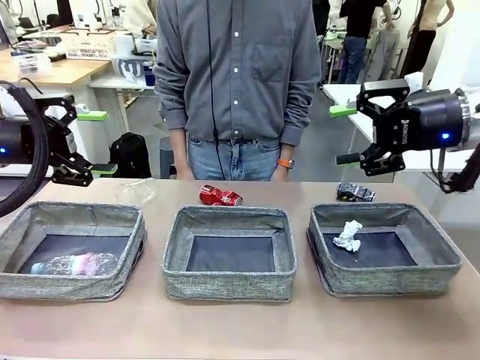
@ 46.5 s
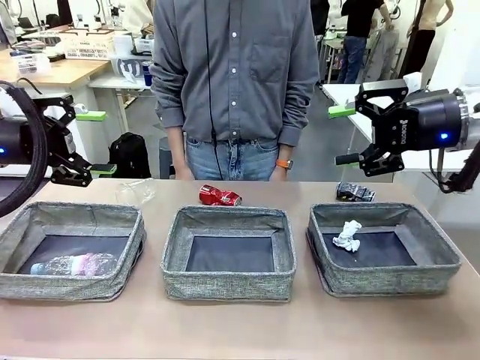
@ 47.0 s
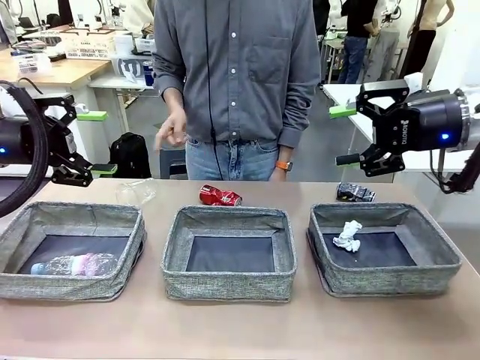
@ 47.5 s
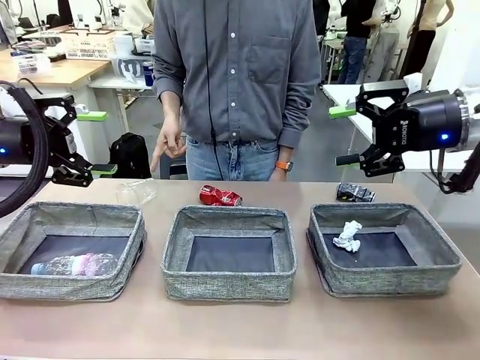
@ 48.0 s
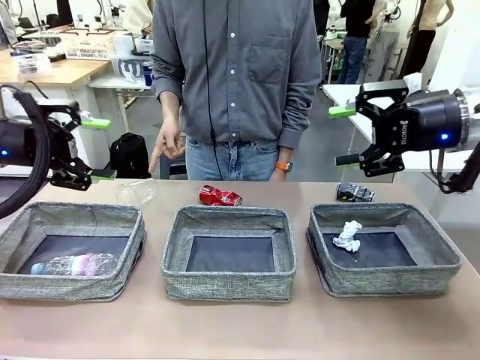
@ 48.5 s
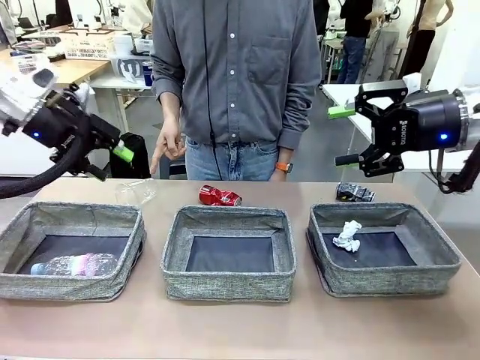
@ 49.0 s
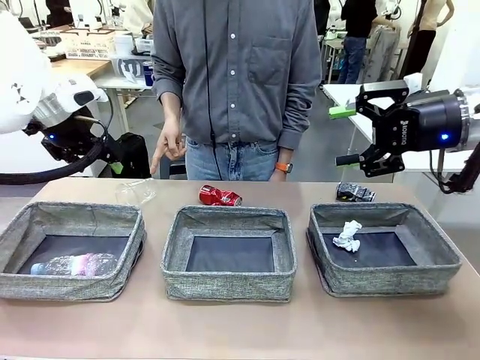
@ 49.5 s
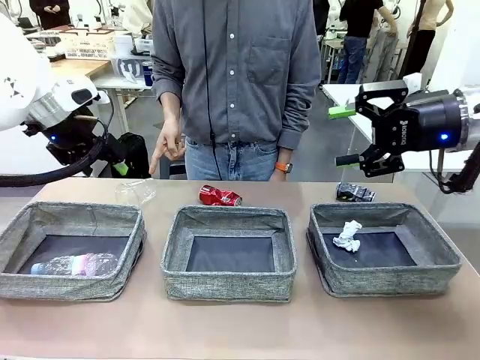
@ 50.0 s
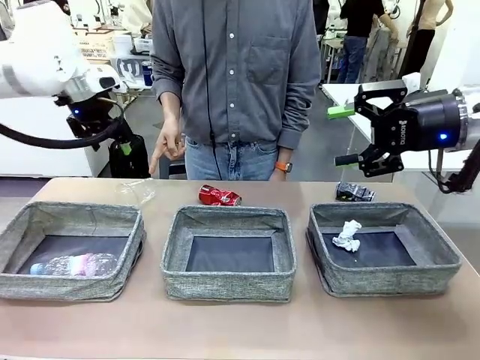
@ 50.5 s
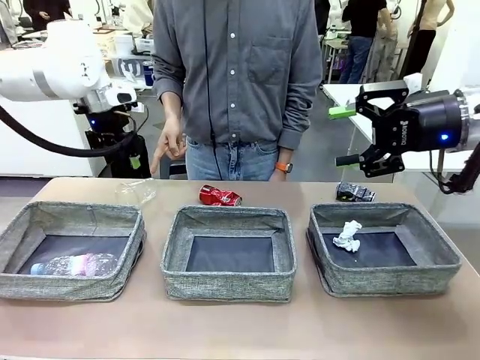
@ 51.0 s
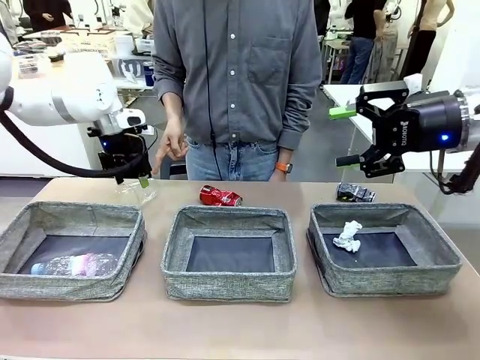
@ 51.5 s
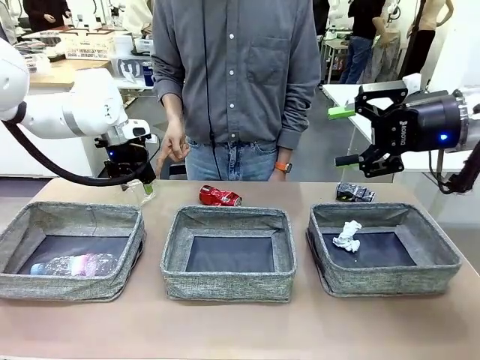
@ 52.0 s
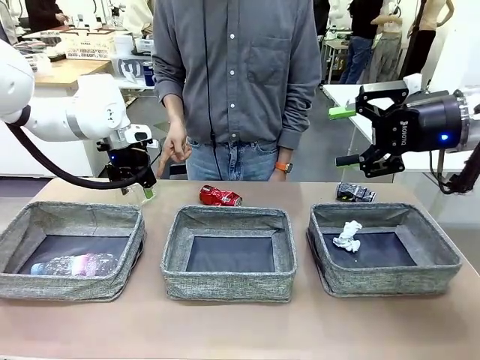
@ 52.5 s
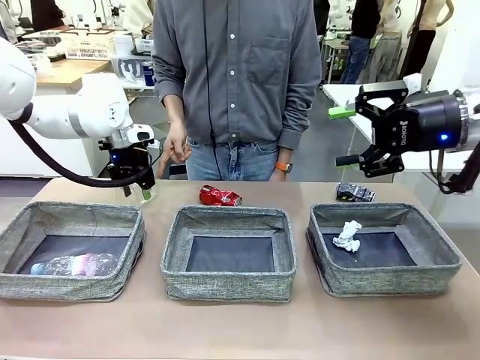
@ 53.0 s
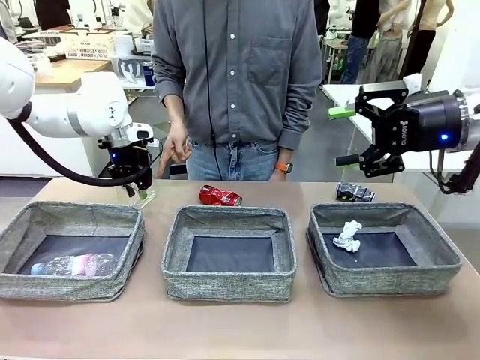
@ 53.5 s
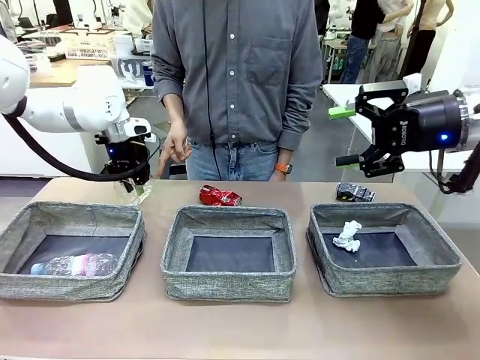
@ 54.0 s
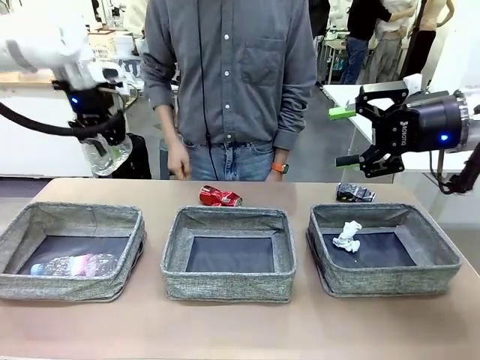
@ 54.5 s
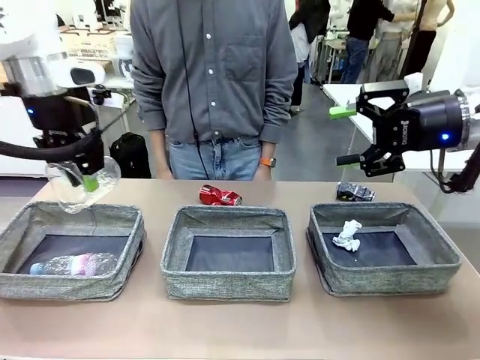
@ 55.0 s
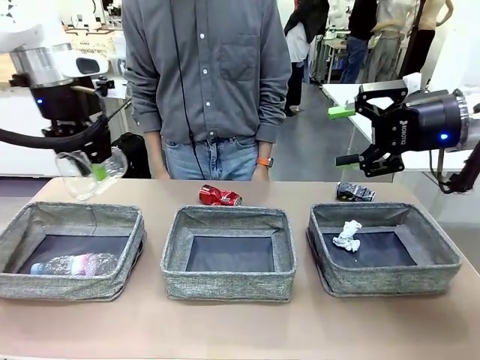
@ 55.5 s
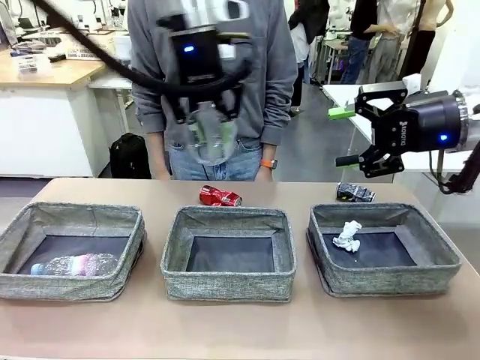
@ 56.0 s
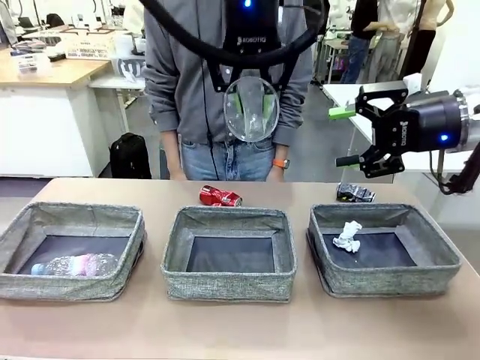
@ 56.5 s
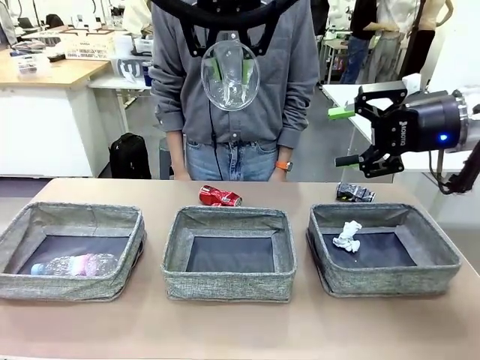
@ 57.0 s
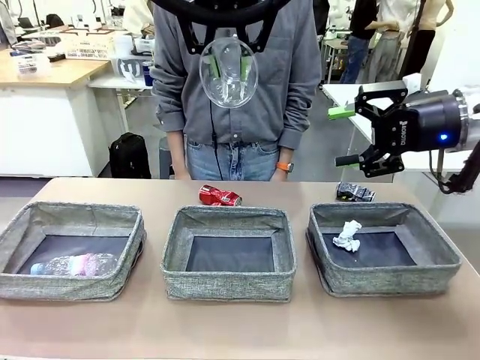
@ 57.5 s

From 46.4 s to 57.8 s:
Task: Sort the waste into the appropriate baskets.
Robot: Pick up the waste item pointed out by the person.
Person: Points to one piece of trash on the table.

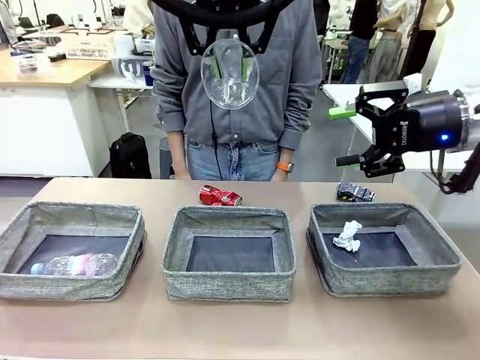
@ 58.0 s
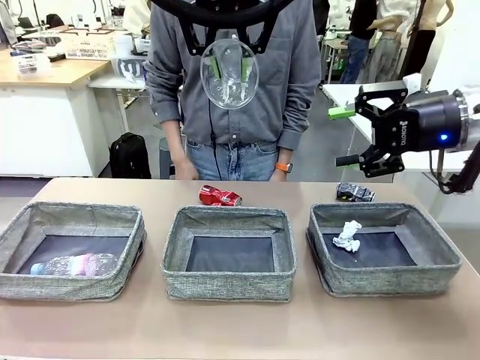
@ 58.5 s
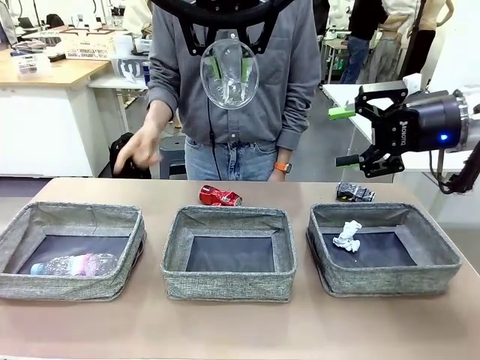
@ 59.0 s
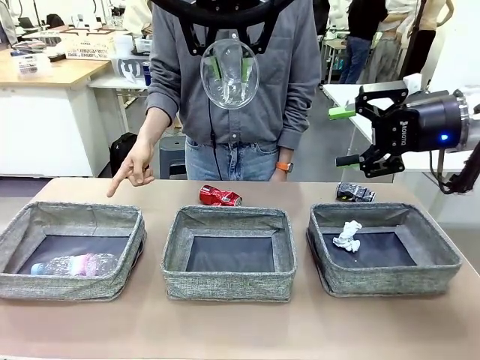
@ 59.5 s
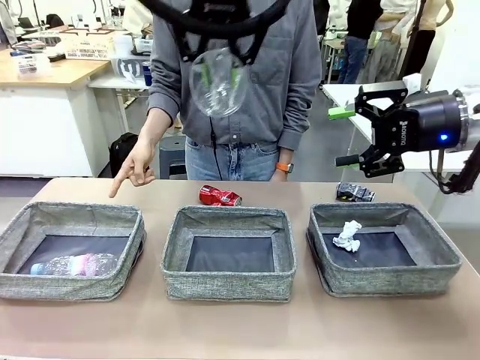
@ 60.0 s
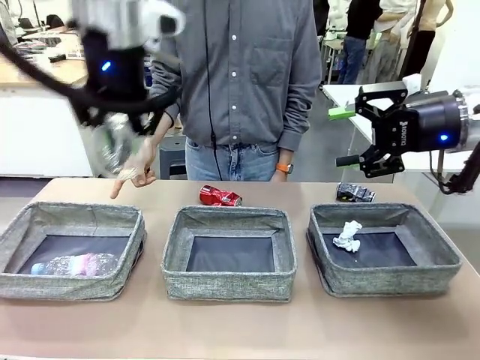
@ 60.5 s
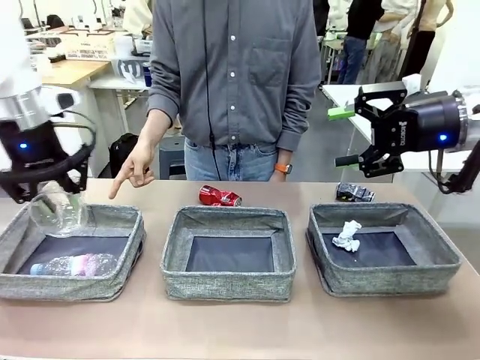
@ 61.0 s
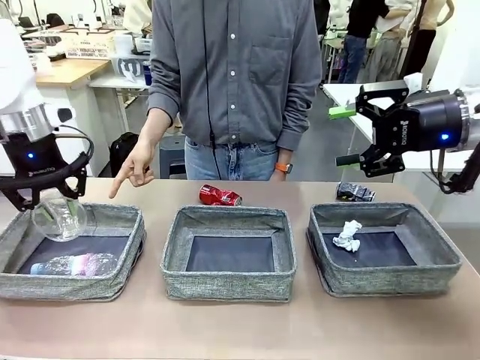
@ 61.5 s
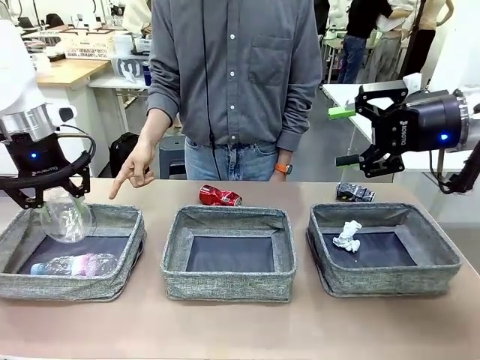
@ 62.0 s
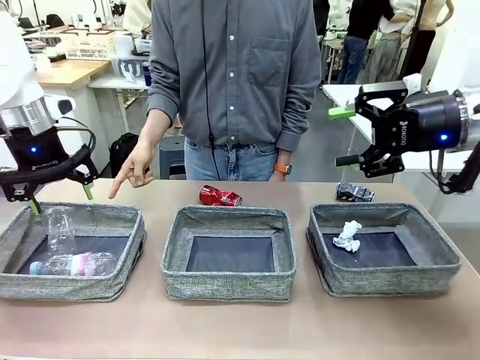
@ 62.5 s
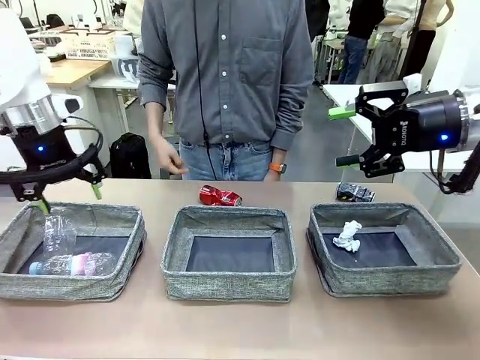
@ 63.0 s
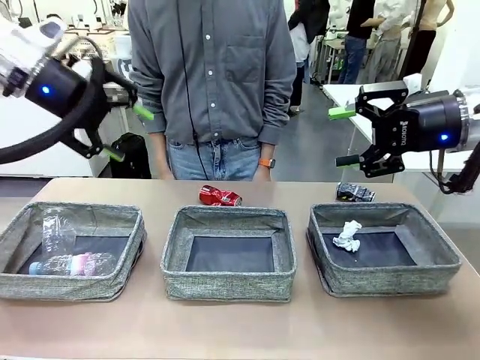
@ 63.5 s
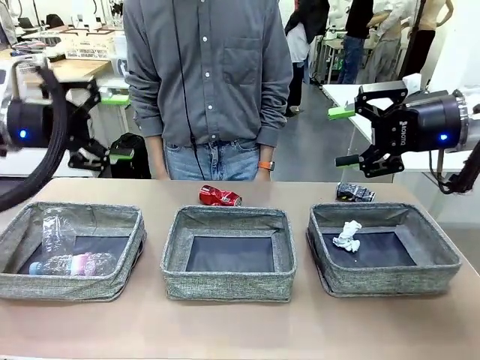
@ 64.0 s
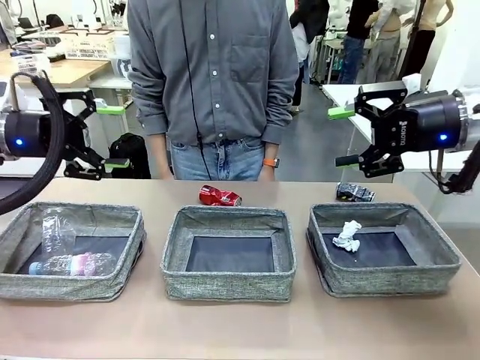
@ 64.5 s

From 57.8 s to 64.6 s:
Robot: Place the picked waste into the Fabric basket indicated by the person.
Person: Instructs the robot to place the picked-up trash into the appropriate organizing basket.
